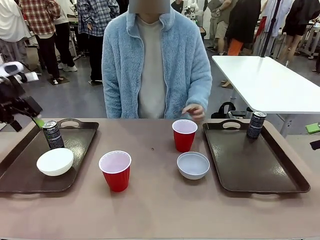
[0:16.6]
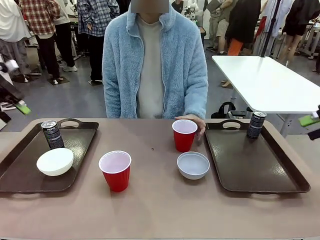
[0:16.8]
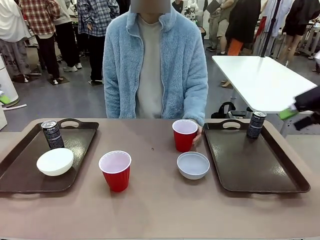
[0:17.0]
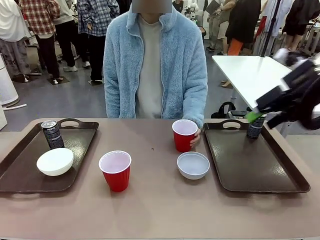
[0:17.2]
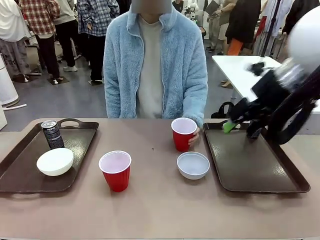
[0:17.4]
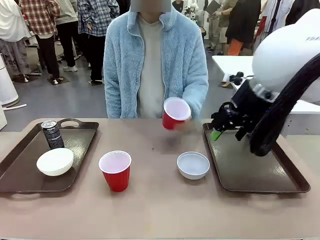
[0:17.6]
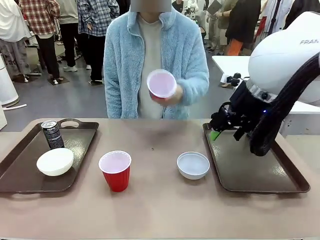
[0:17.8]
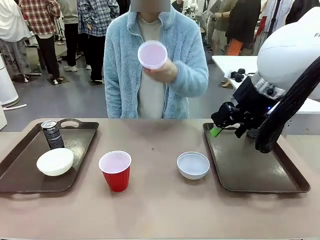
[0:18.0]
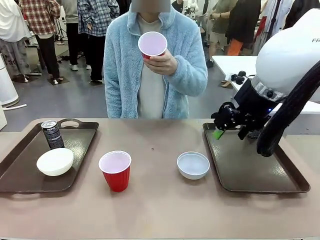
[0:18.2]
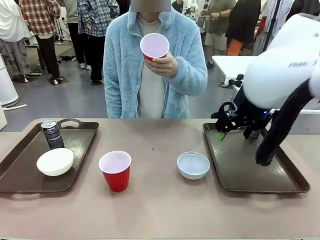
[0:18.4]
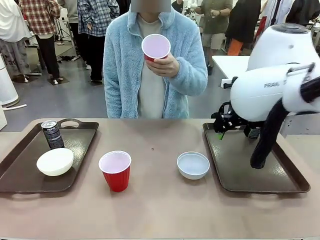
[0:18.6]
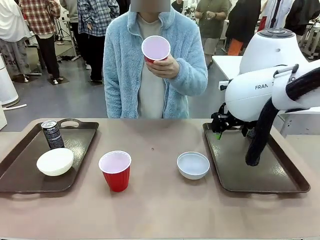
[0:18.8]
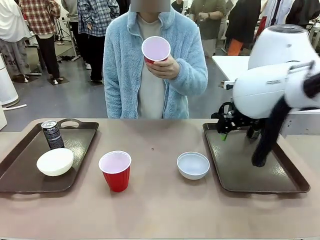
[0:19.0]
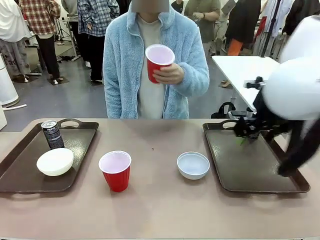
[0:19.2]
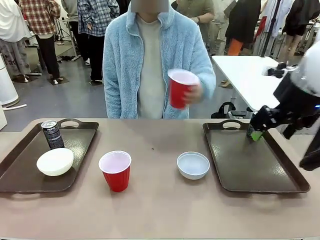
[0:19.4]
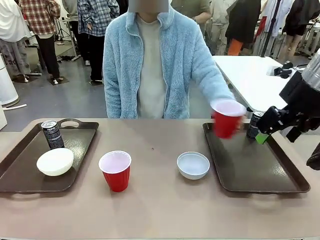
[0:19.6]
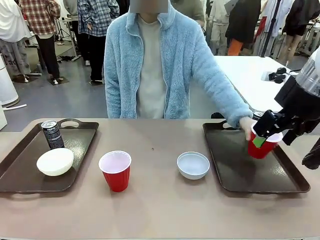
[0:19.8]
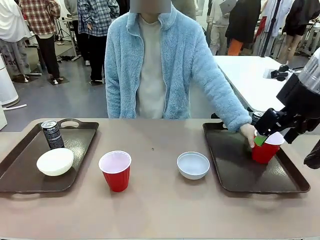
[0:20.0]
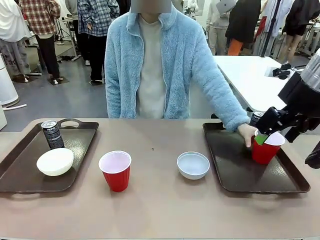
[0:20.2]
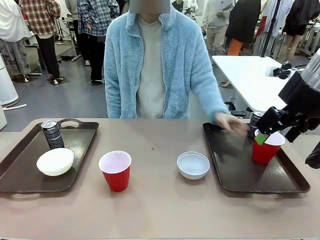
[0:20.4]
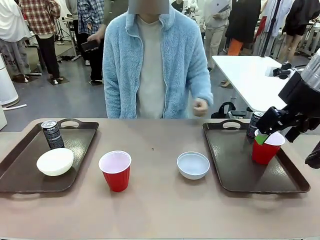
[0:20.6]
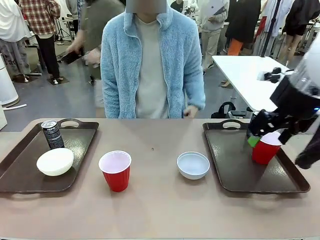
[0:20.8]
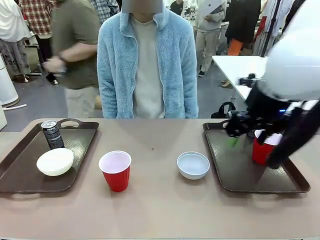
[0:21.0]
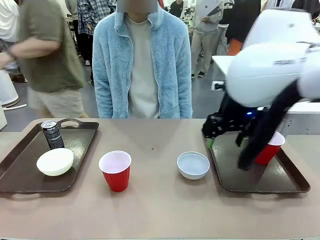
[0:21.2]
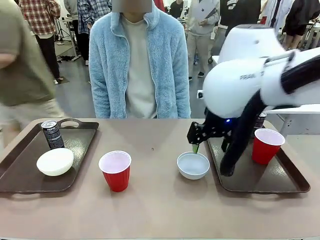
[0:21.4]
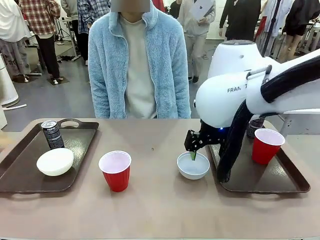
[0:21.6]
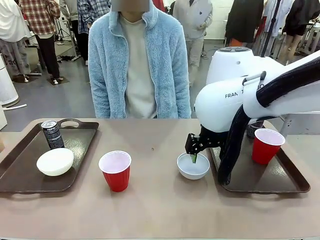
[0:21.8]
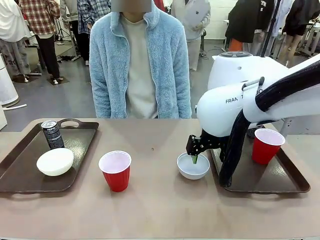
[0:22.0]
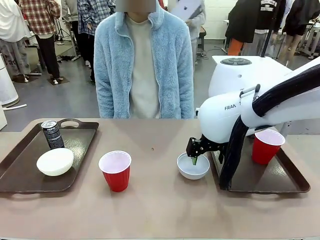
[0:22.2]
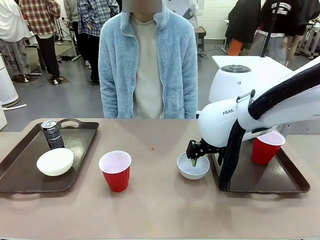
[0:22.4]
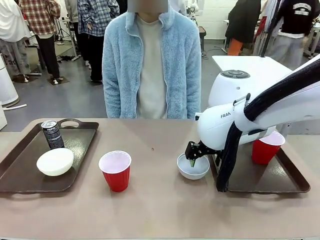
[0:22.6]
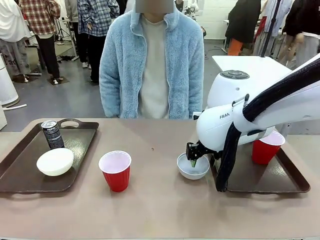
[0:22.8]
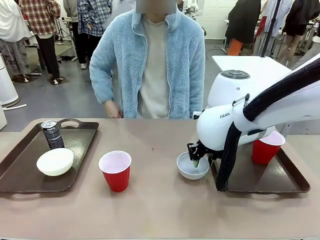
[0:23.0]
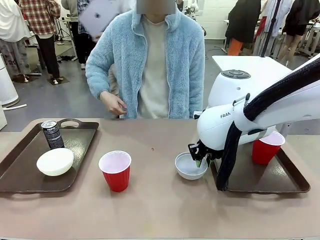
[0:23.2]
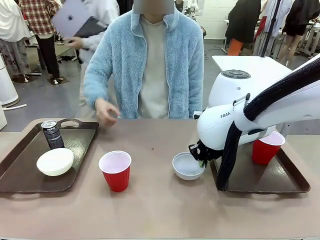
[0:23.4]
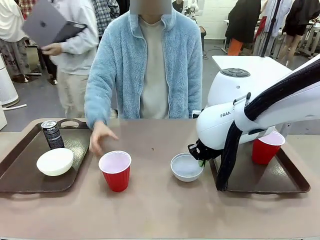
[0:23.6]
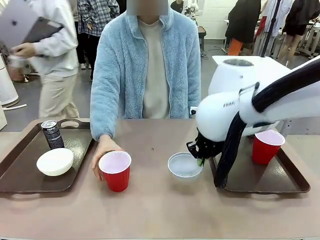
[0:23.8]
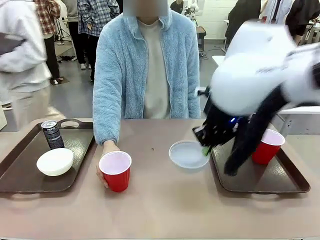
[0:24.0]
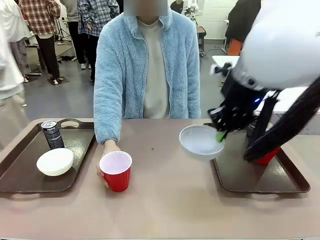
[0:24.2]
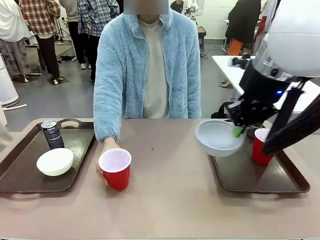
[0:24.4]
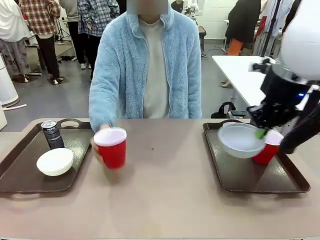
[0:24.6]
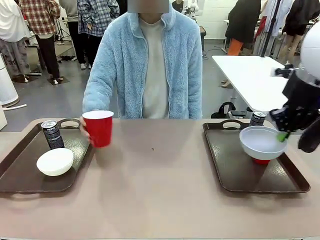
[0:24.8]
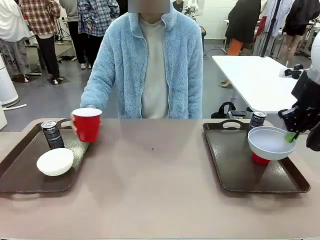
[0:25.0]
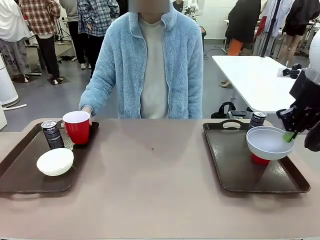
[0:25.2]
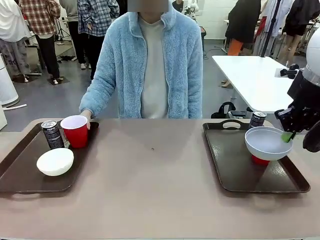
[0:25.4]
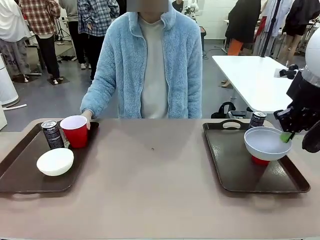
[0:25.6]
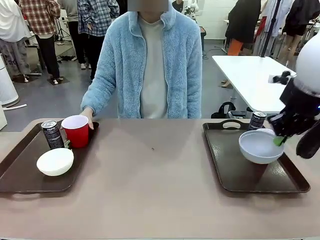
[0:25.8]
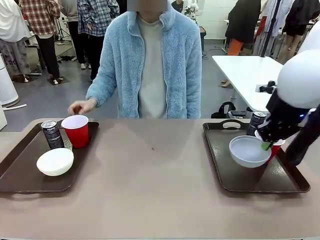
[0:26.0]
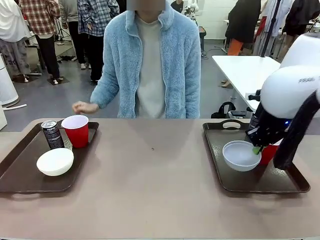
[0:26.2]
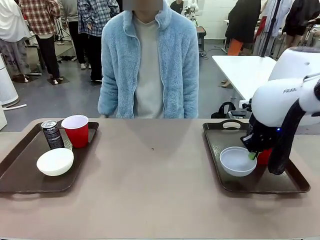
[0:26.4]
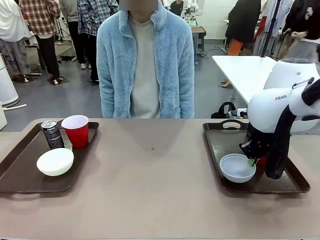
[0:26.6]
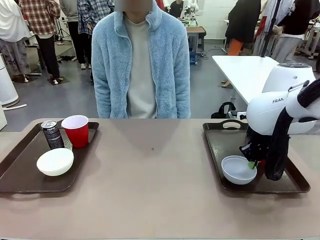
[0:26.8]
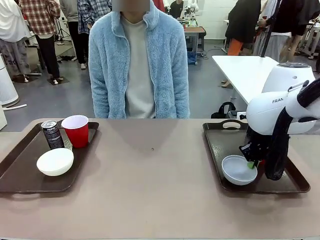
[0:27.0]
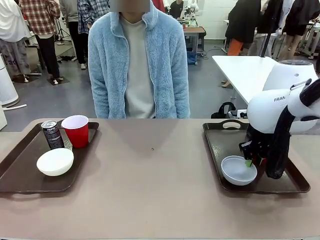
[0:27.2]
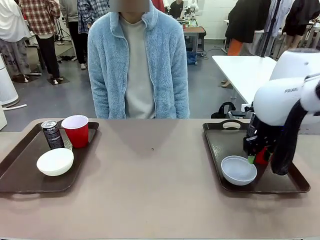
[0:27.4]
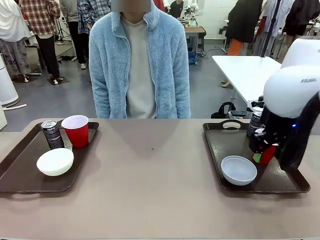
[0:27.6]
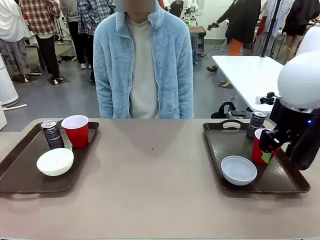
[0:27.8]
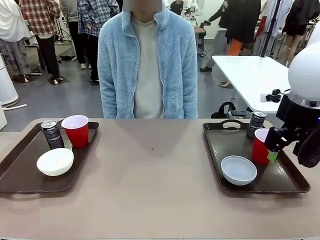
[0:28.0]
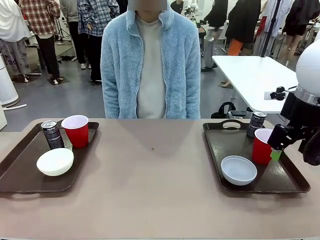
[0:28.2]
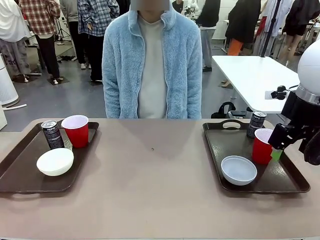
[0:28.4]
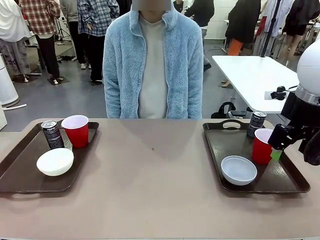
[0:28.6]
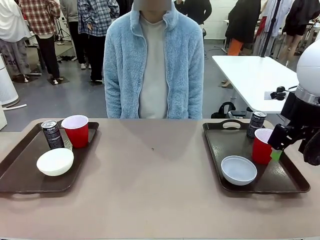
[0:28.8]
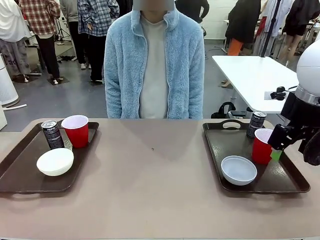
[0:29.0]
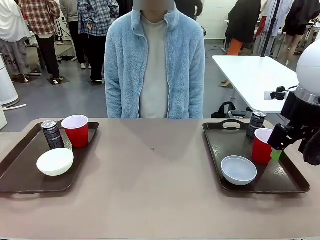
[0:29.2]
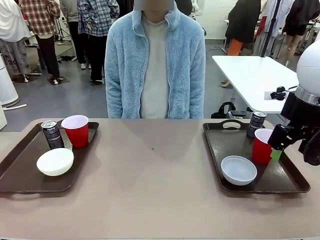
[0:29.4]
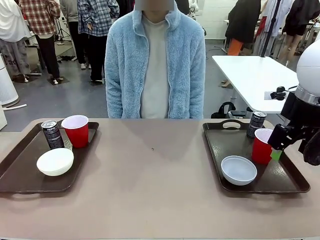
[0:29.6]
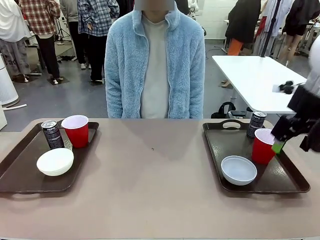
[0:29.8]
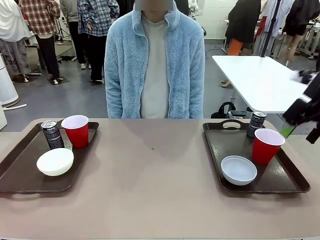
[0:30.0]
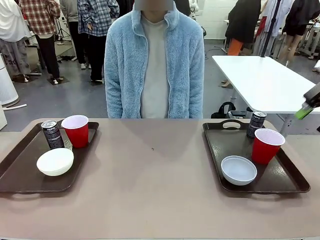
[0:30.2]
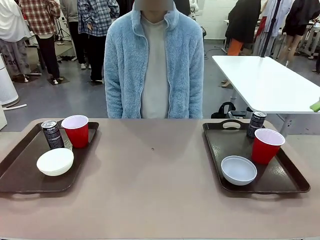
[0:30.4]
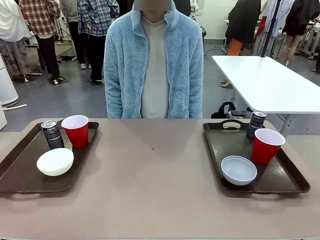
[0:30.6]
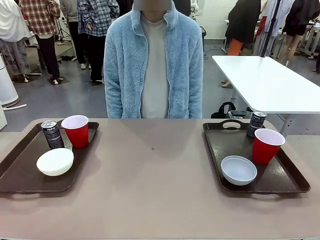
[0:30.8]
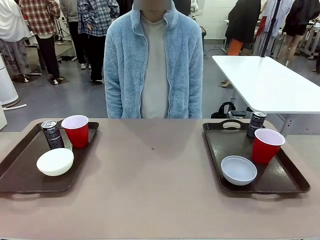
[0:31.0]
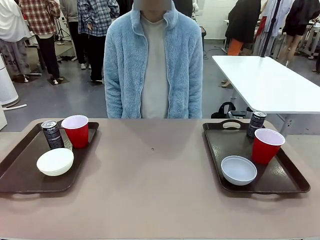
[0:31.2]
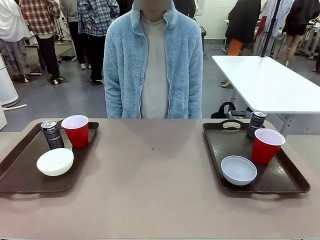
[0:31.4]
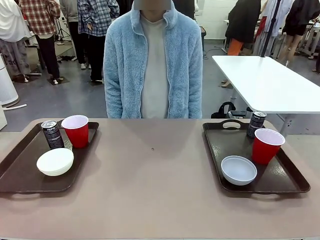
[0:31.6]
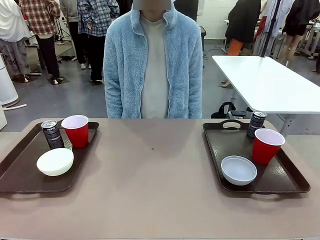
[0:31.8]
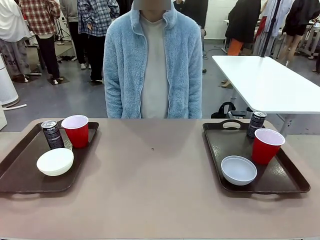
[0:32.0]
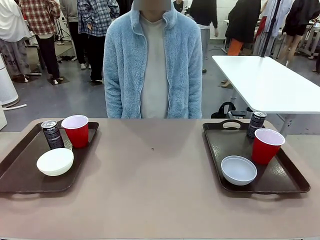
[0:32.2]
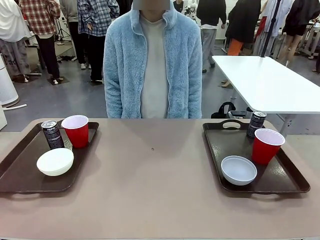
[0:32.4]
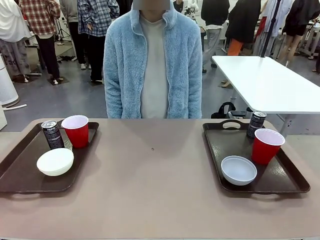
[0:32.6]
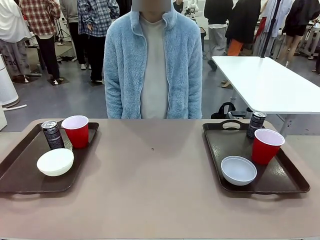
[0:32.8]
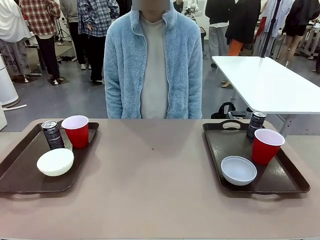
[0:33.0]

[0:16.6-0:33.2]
Task: Prepare tableware on both trays.
Robot: Pick up a Picnic Bowl from the table and place it on a Handle tray.
Person: Pick up a can or cup and place it on the tray without a can or cup.
